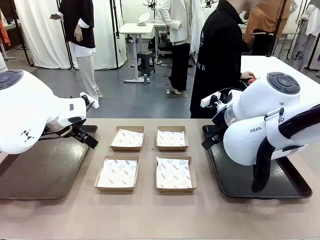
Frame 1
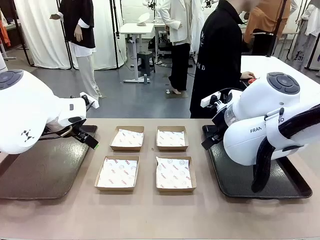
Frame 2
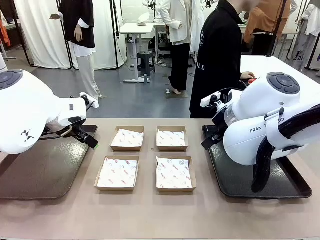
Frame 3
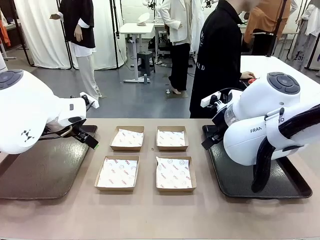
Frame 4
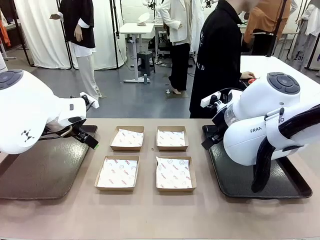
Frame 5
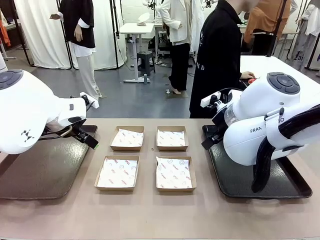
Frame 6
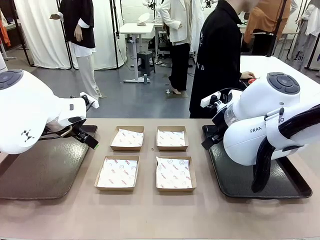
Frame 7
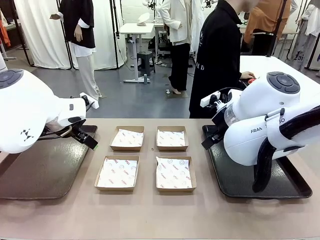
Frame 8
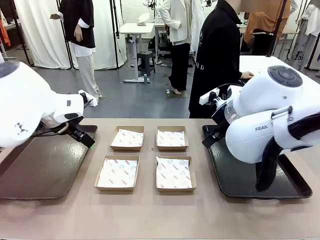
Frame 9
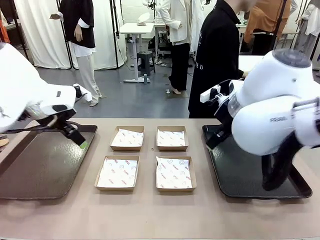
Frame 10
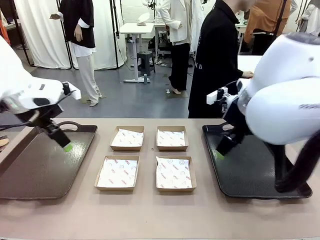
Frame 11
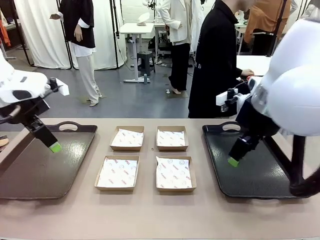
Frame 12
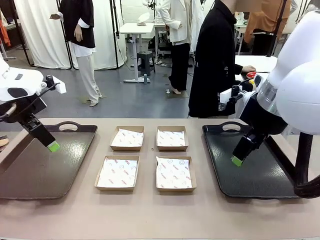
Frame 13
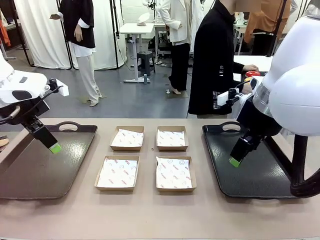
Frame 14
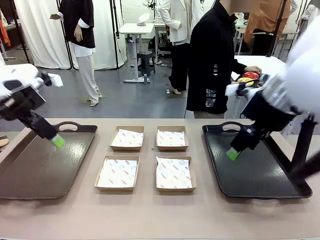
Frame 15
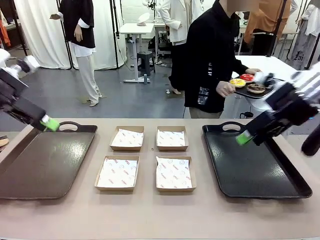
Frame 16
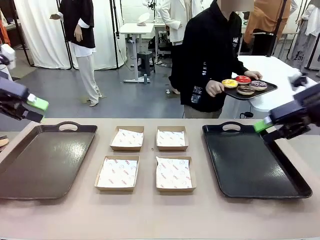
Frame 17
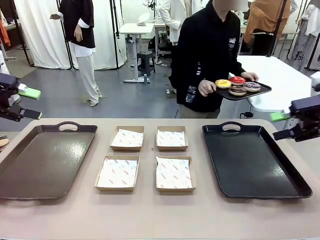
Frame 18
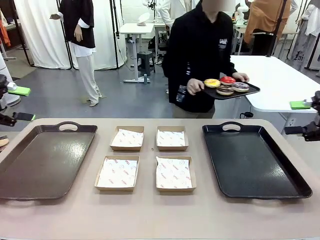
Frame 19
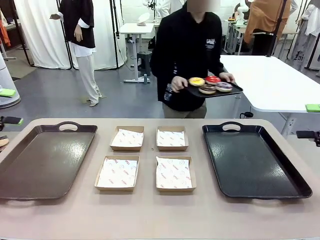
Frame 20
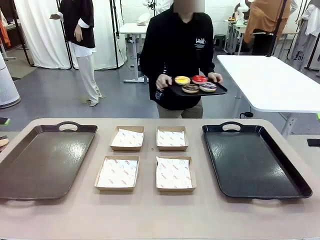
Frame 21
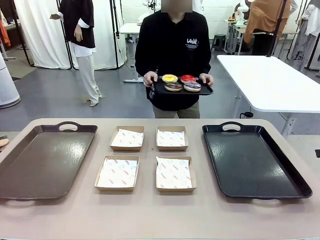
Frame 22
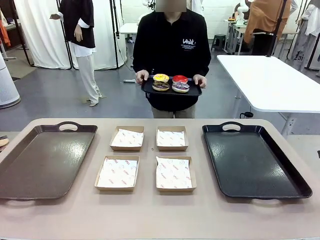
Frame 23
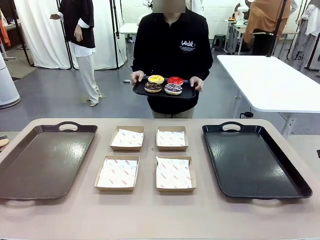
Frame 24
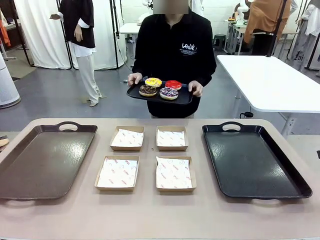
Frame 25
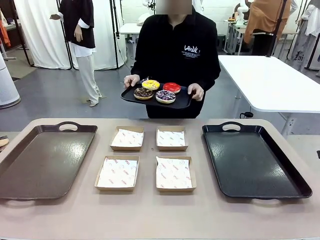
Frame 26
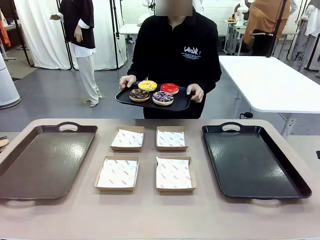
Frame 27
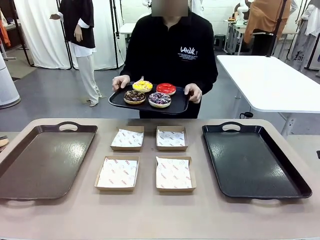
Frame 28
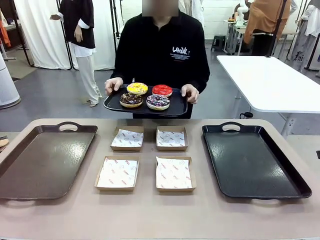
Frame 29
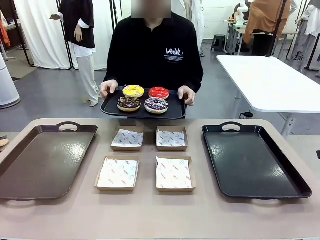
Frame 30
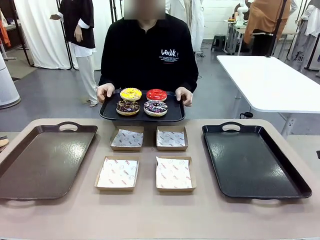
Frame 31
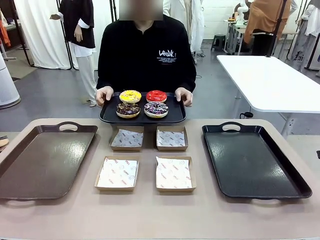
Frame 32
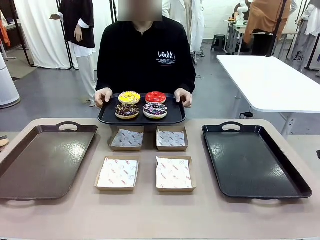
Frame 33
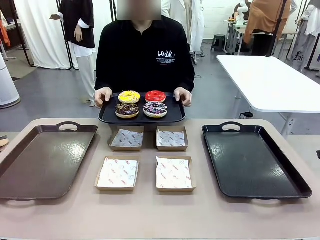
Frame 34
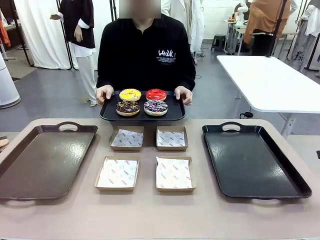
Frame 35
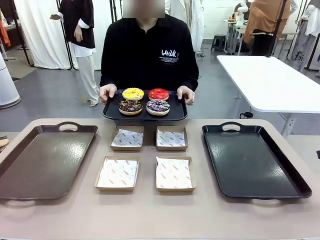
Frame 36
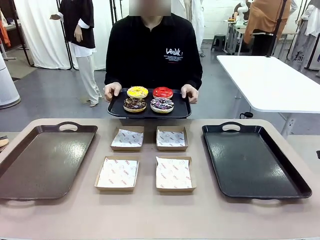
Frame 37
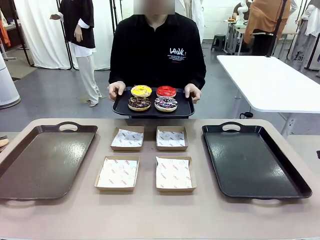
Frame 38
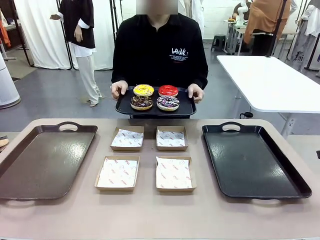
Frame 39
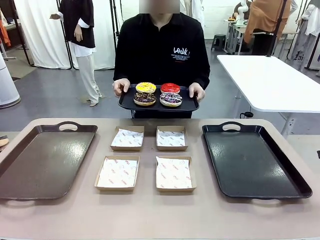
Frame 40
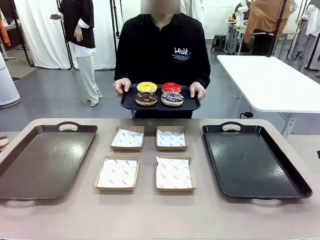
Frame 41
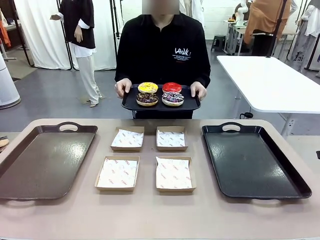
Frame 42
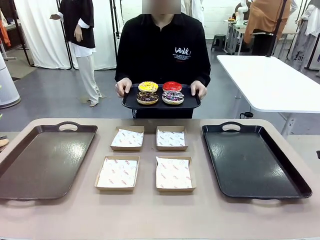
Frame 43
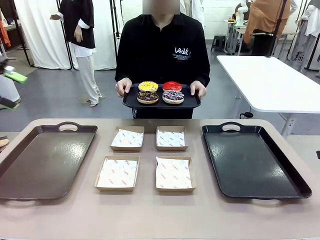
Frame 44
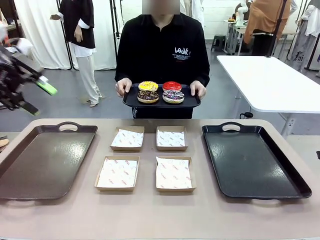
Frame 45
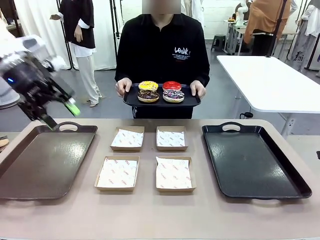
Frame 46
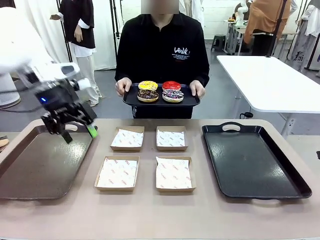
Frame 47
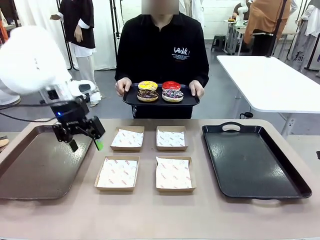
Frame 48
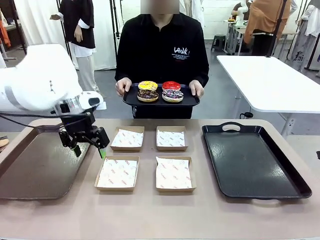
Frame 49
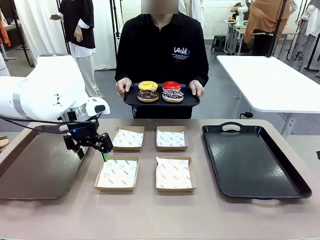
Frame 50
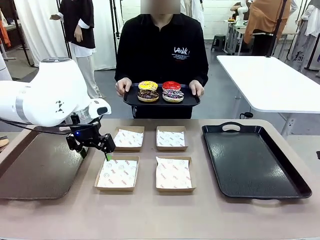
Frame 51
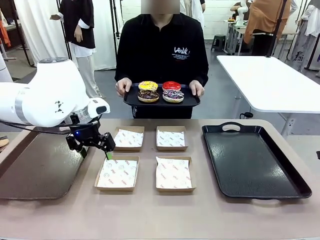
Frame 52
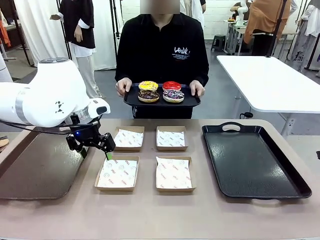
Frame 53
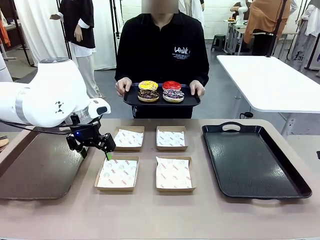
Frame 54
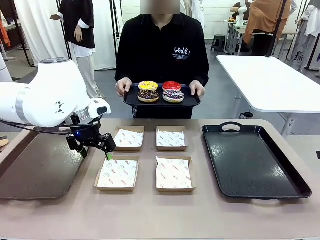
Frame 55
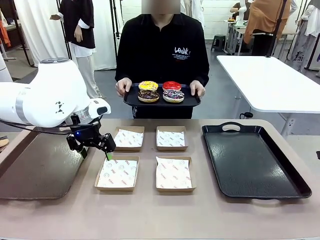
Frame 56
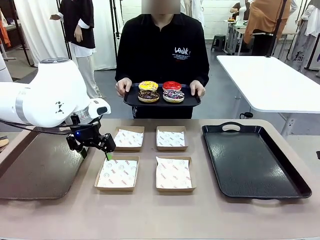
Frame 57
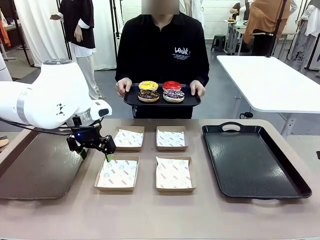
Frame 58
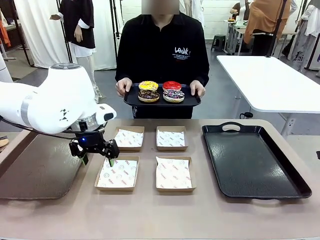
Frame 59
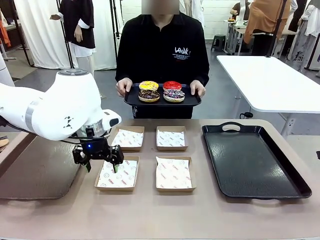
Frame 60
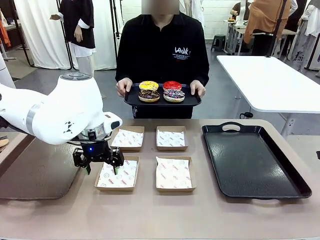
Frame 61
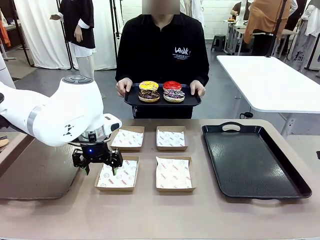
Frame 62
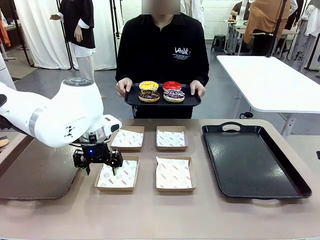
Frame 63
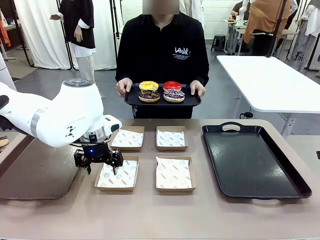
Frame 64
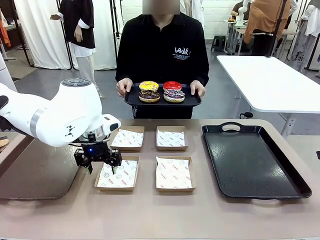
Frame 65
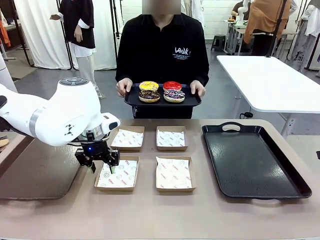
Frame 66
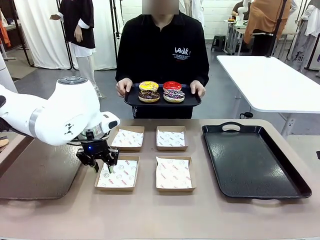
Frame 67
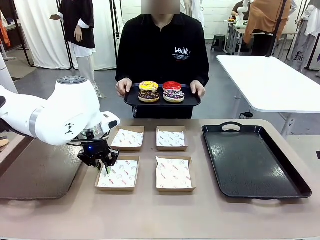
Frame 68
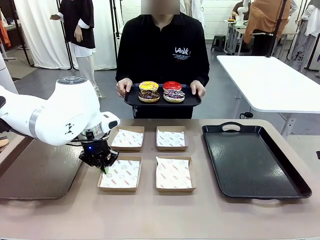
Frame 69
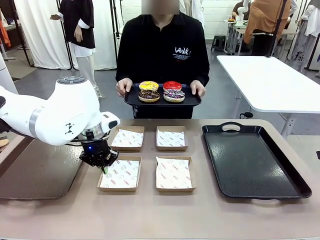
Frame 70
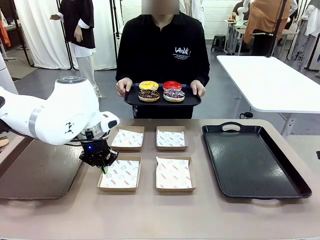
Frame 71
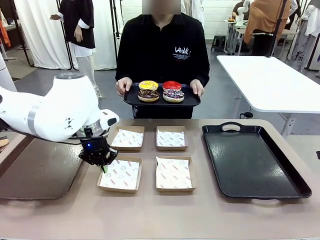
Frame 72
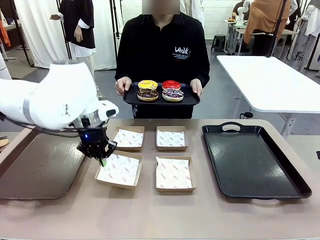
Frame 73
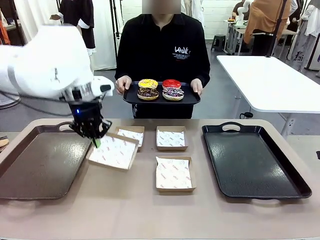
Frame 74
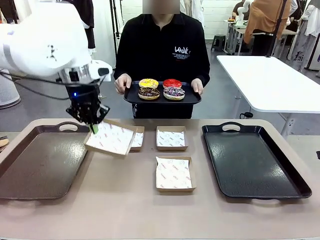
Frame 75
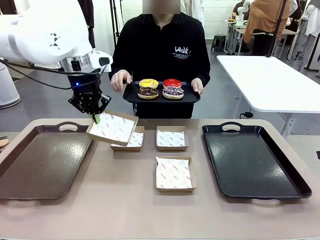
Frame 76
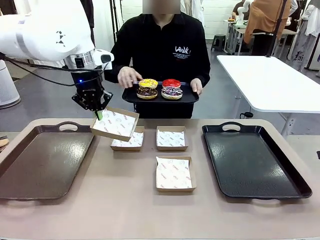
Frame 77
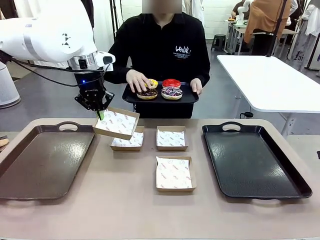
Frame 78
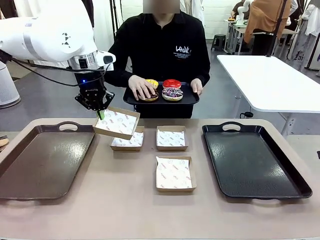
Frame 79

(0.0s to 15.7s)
Task: Individually package the donuts and arrange them on the tray.
Robot: Pick up one Paper togo box.
Person: Stand in front of the robot table holding the tray containing the donuts.
